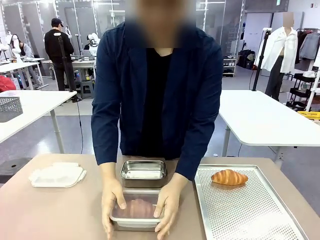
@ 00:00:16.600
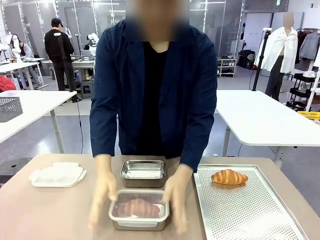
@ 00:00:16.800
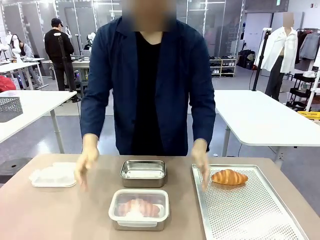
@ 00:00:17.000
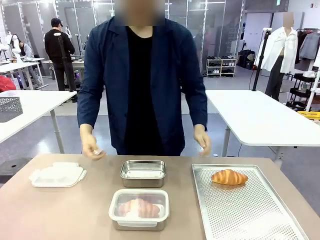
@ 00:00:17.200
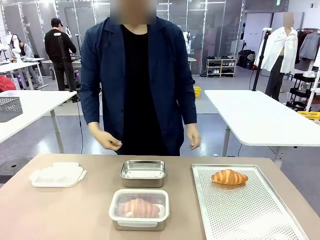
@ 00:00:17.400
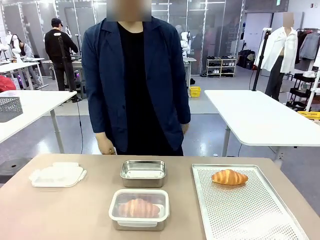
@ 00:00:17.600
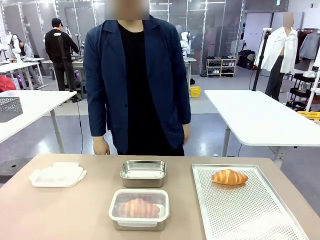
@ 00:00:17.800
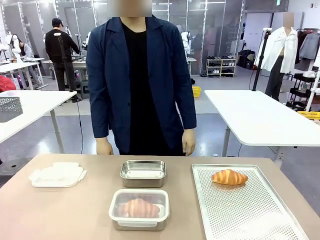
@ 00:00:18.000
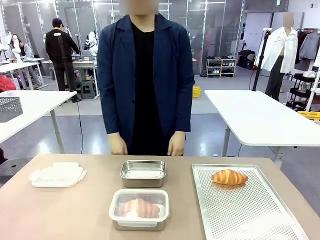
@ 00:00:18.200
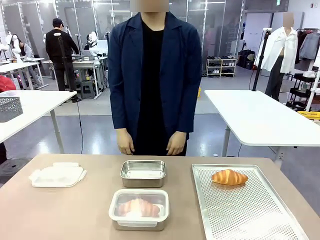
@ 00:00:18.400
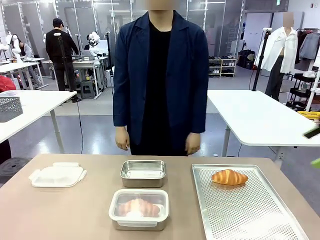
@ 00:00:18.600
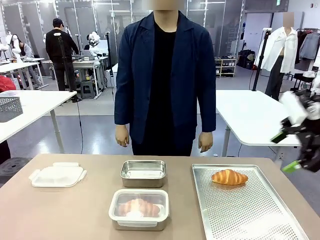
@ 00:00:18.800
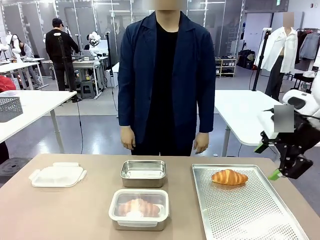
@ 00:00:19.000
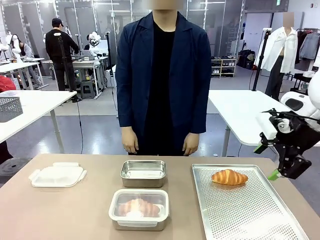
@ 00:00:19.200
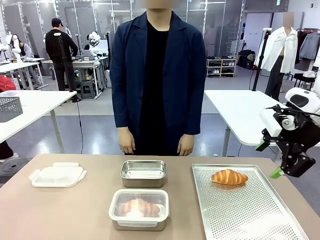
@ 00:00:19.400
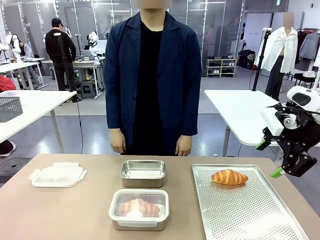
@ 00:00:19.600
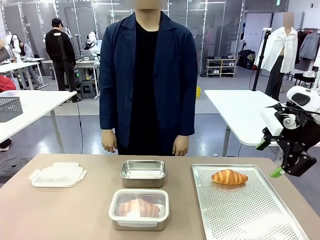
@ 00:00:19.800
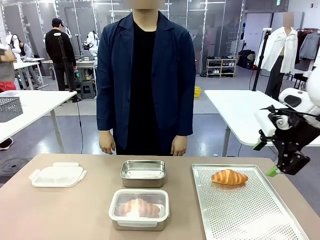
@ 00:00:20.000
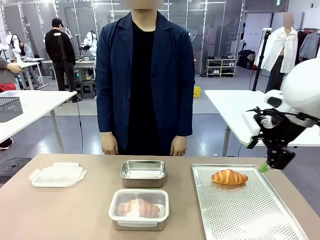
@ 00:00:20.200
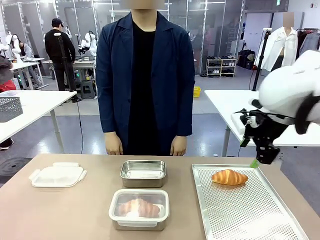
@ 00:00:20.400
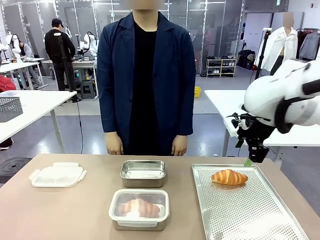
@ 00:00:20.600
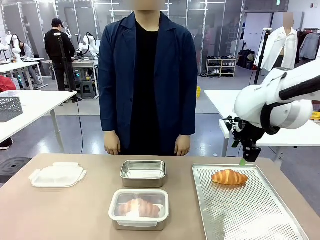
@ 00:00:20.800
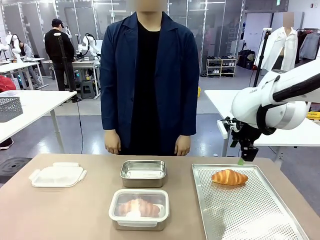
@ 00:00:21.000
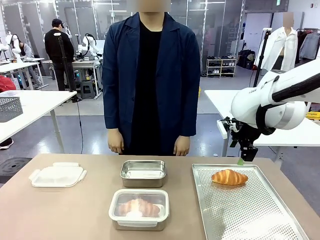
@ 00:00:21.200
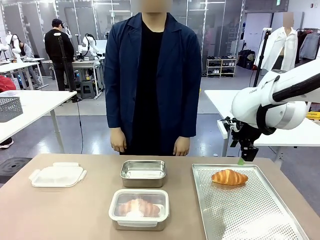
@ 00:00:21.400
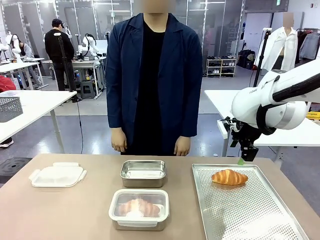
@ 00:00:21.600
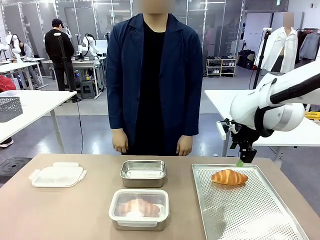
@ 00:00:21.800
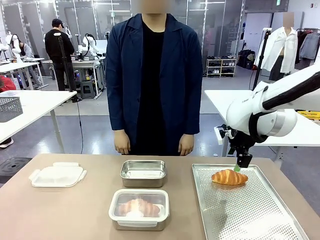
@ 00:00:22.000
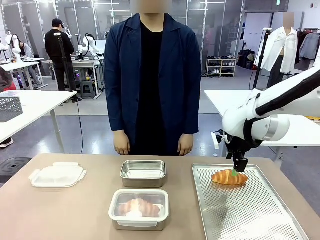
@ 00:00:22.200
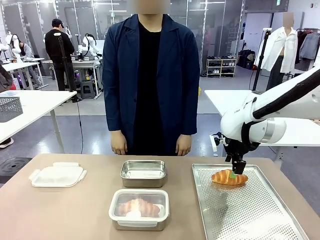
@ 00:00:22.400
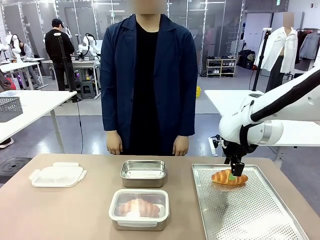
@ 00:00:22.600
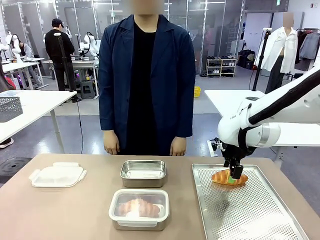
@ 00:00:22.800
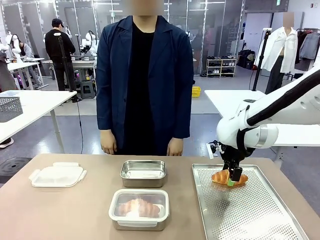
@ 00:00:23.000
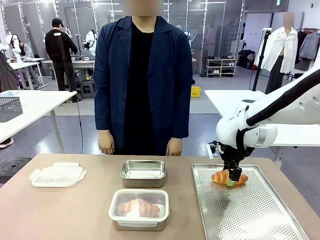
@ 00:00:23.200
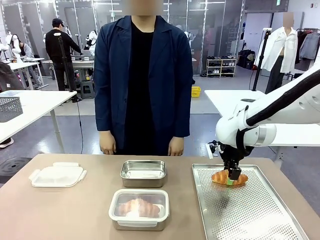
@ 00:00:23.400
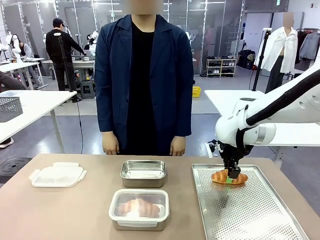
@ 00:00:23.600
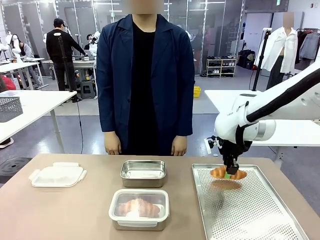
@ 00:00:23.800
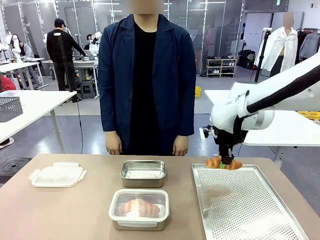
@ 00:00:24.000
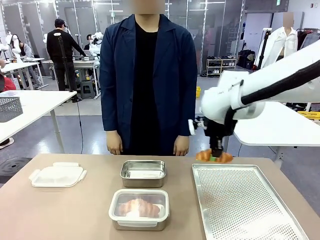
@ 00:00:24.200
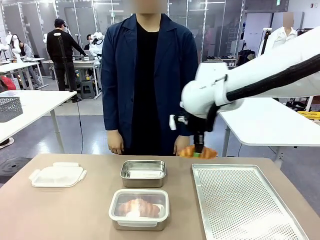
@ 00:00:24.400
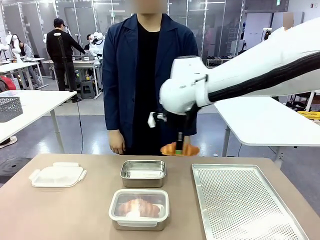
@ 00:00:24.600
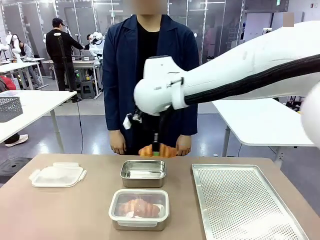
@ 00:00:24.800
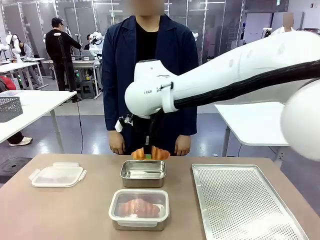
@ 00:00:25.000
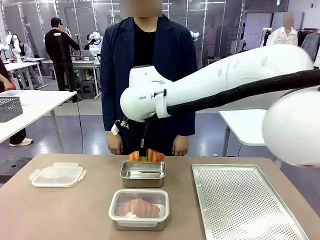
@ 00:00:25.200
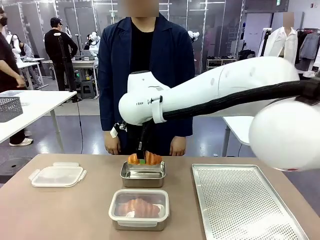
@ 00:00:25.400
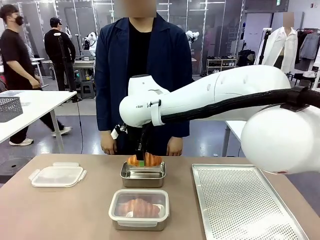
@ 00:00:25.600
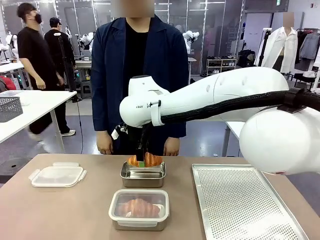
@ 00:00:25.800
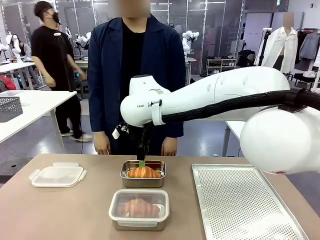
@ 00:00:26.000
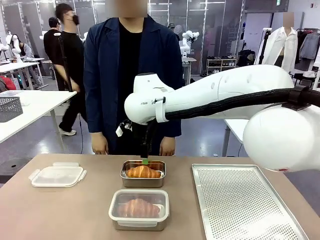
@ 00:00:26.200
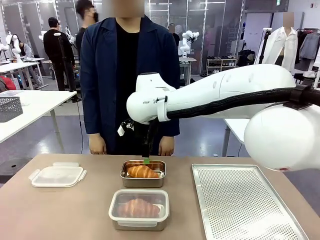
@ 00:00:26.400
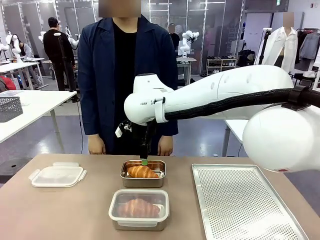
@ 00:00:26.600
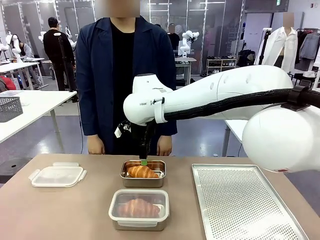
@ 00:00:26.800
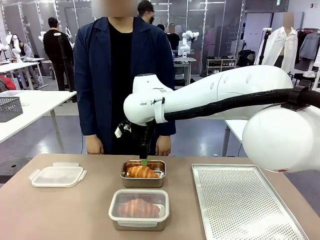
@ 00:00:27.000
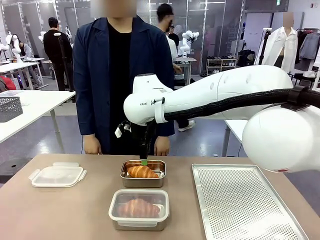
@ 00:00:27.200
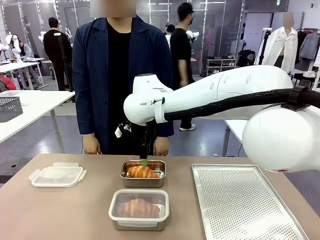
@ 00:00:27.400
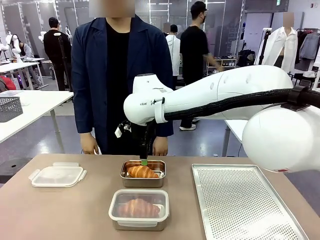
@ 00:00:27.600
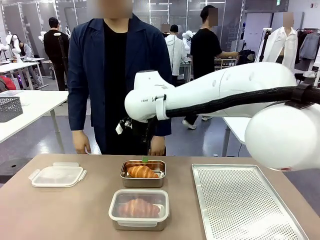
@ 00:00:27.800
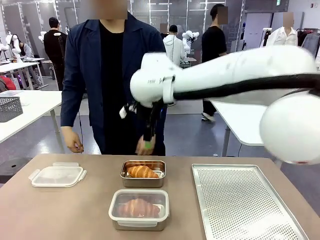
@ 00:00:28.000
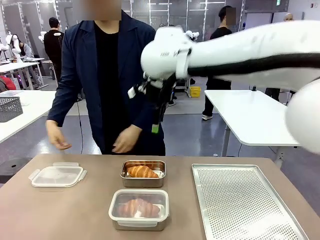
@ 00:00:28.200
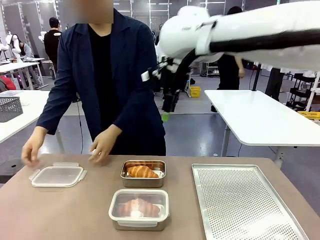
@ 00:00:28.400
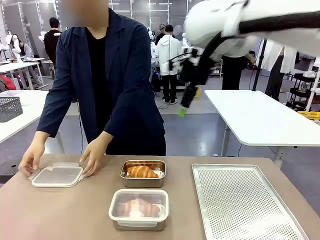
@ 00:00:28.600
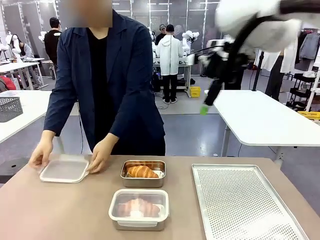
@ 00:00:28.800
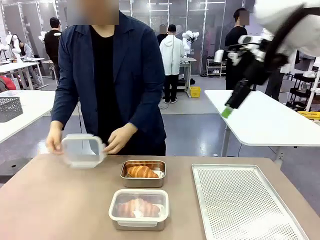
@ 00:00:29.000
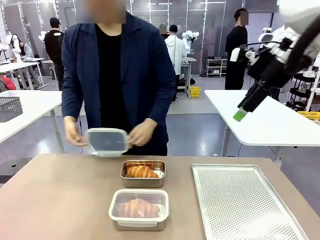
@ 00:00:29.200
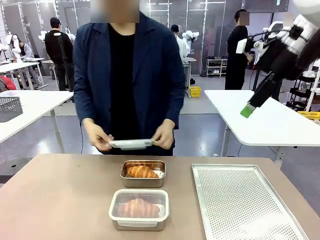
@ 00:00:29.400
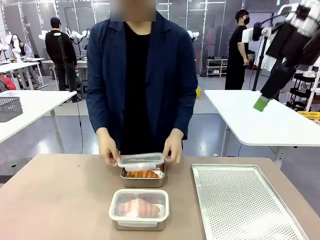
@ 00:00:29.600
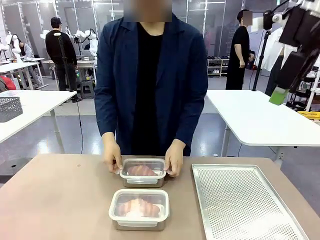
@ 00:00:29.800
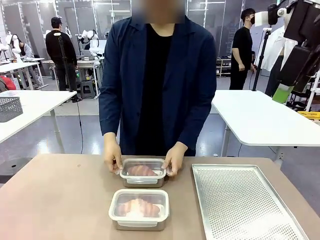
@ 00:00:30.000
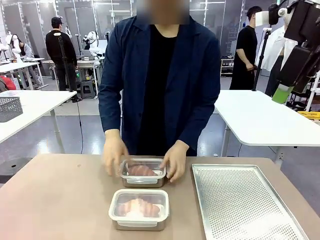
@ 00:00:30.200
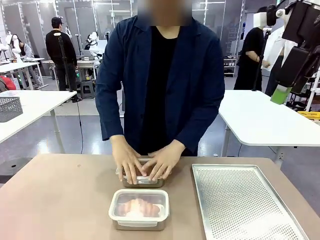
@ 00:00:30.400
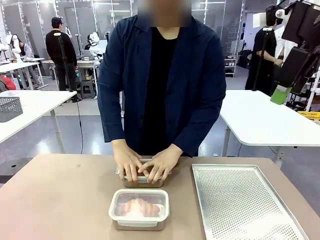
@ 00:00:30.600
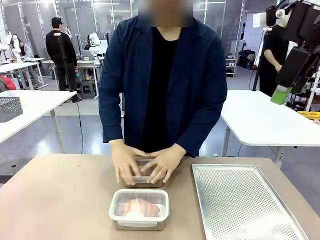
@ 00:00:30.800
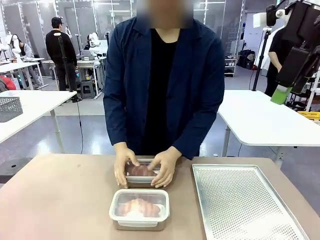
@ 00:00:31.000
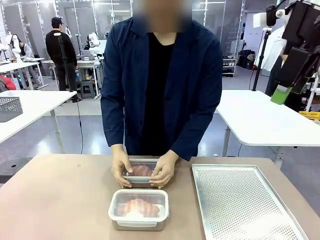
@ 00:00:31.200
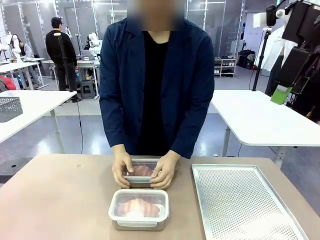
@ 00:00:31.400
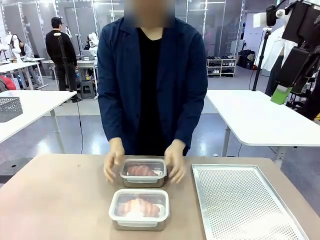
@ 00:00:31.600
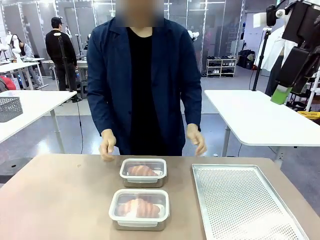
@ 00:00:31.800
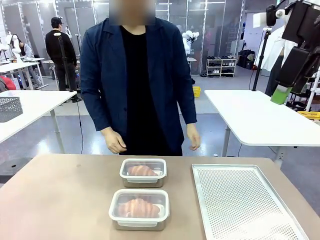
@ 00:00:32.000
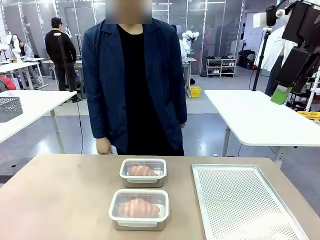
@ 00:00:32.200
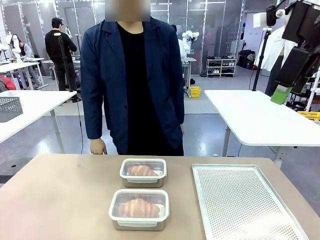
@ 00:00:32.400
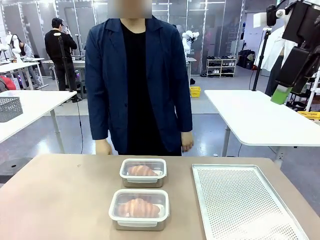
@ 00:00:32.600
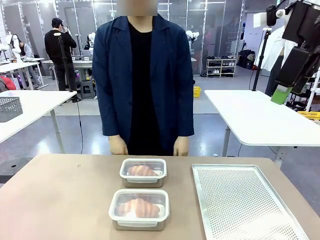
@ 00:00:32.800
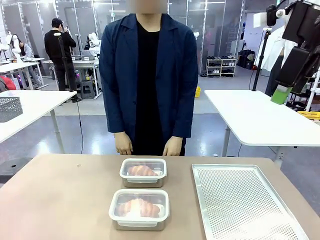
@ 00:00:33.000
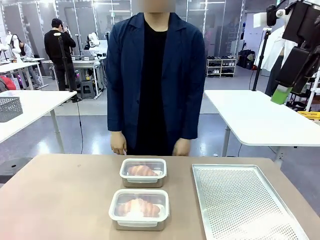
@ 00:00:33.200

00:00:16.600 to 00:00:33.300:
Task: Place the bread into the airtight container.
Robot: Pick up a Butter Roll and place it into an empty Airtight Container.
Person: Once a Butter Roll is inside an Airtight Container , close the lid of that Airtight Container.
